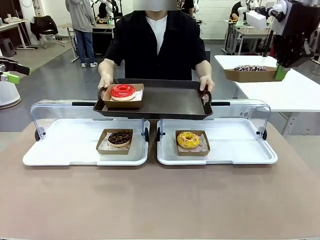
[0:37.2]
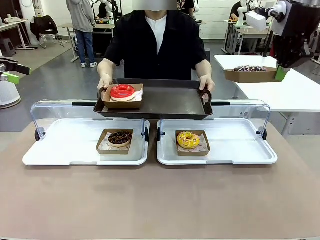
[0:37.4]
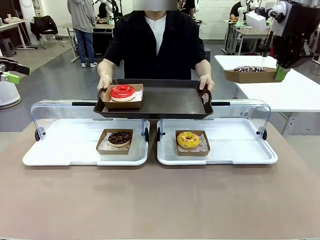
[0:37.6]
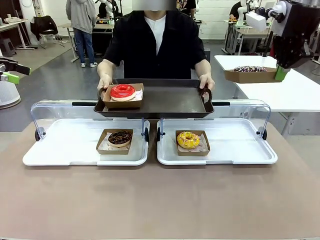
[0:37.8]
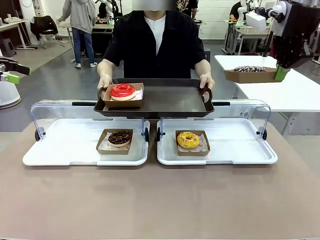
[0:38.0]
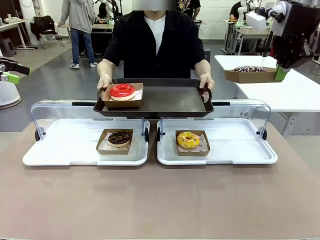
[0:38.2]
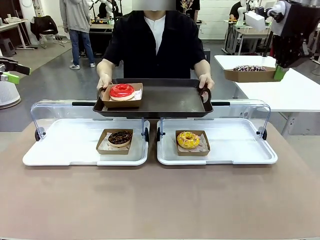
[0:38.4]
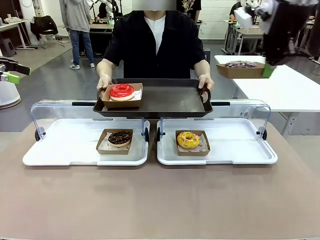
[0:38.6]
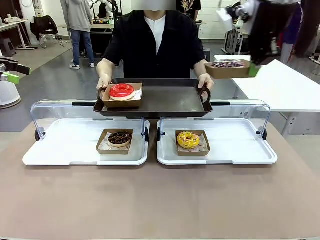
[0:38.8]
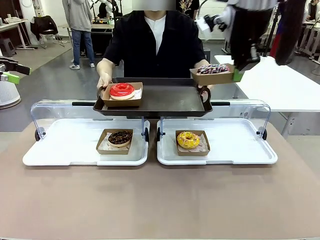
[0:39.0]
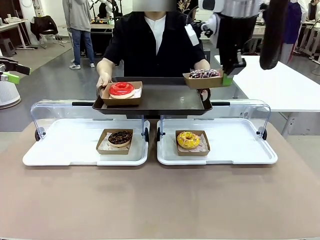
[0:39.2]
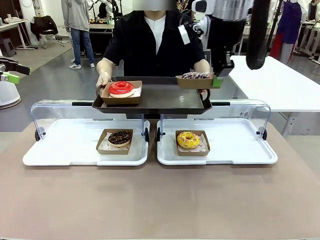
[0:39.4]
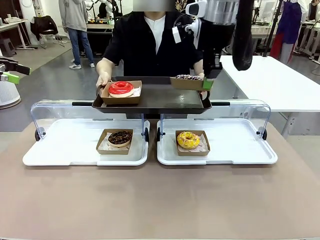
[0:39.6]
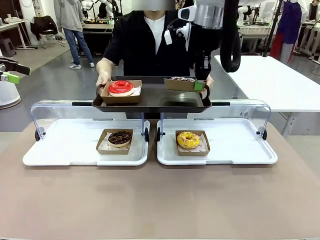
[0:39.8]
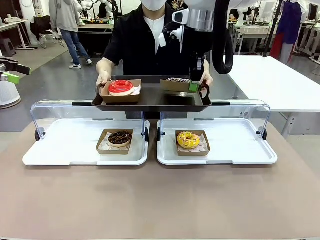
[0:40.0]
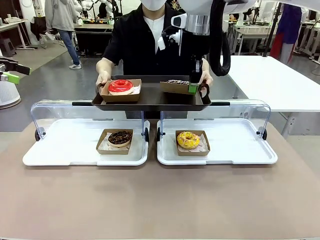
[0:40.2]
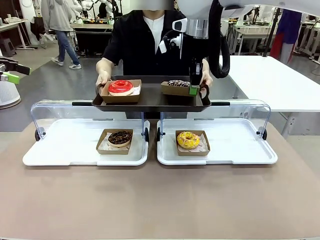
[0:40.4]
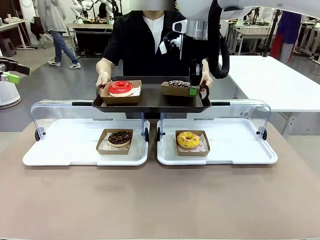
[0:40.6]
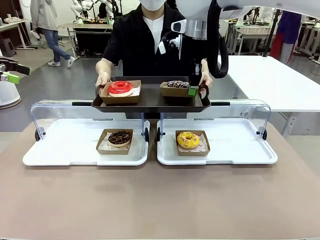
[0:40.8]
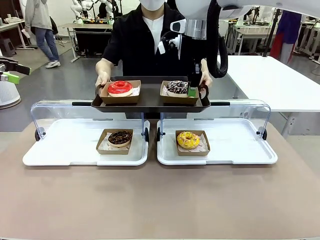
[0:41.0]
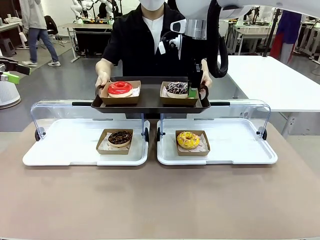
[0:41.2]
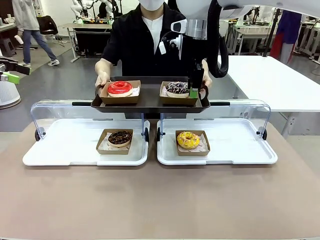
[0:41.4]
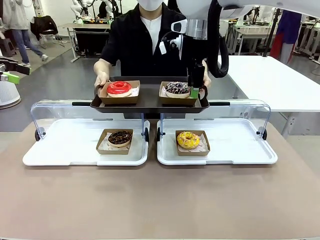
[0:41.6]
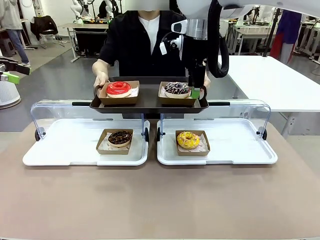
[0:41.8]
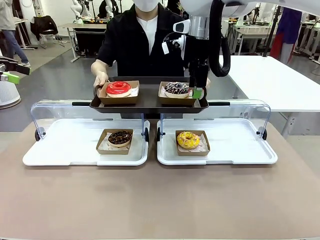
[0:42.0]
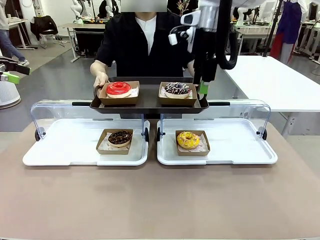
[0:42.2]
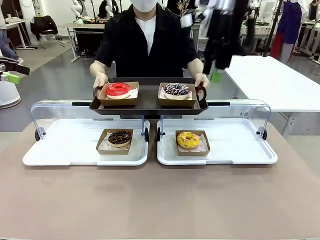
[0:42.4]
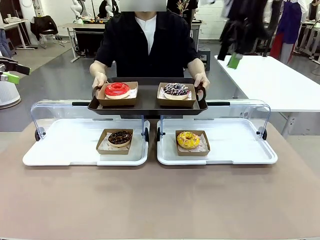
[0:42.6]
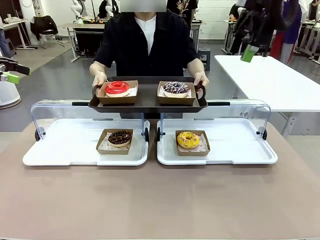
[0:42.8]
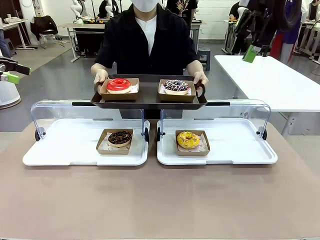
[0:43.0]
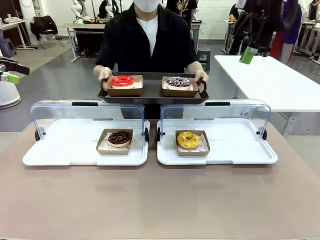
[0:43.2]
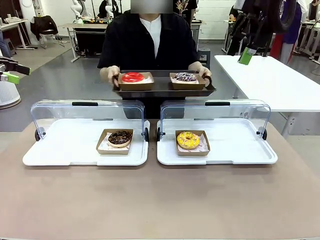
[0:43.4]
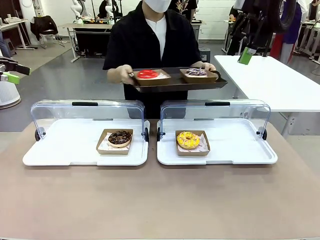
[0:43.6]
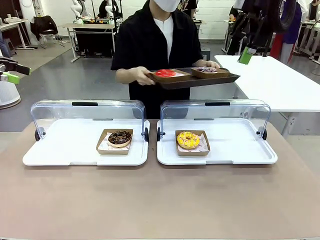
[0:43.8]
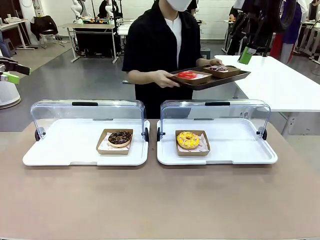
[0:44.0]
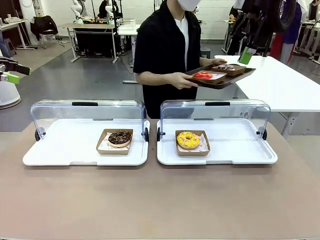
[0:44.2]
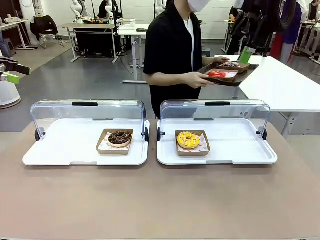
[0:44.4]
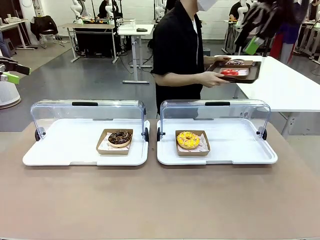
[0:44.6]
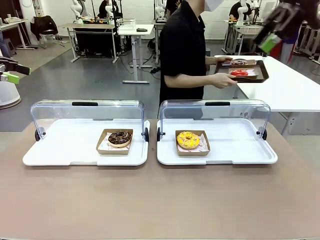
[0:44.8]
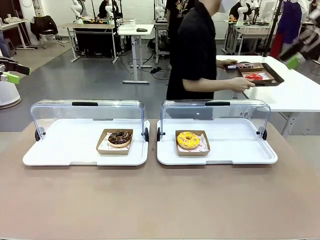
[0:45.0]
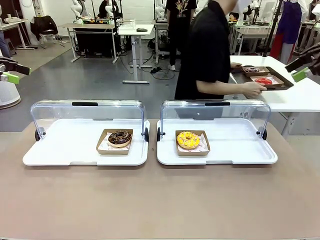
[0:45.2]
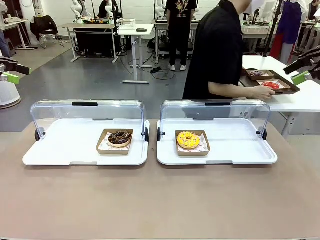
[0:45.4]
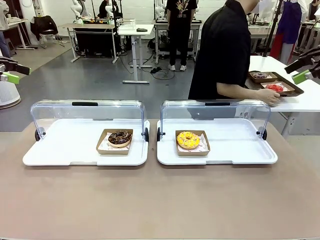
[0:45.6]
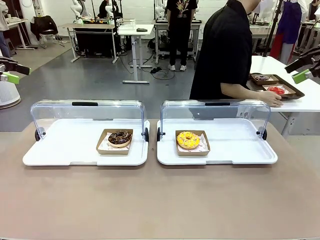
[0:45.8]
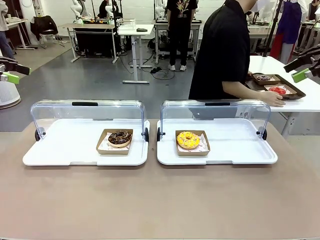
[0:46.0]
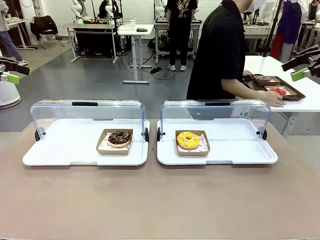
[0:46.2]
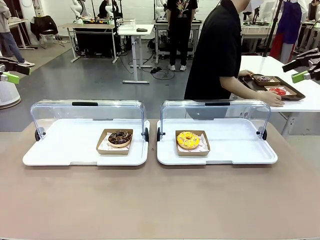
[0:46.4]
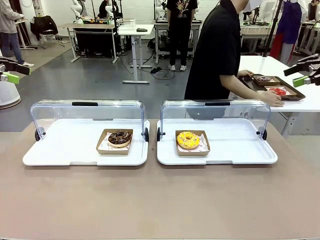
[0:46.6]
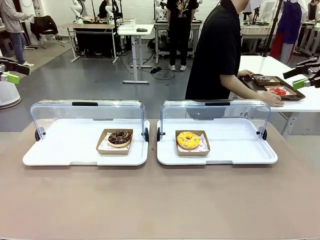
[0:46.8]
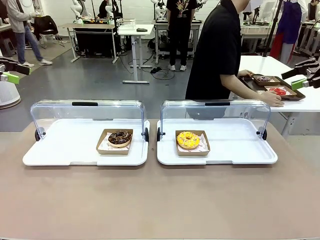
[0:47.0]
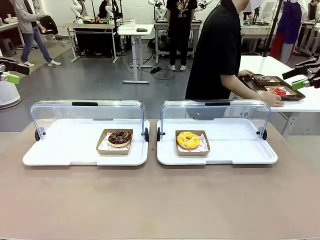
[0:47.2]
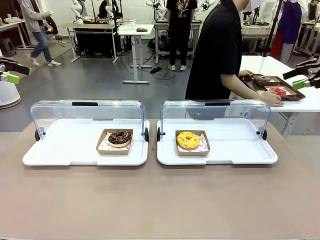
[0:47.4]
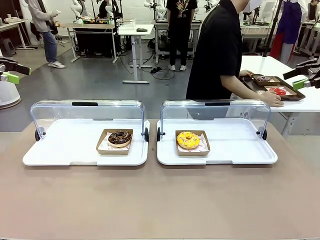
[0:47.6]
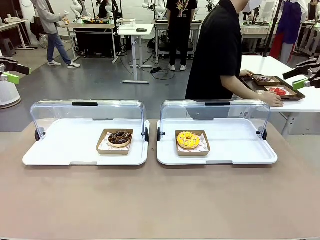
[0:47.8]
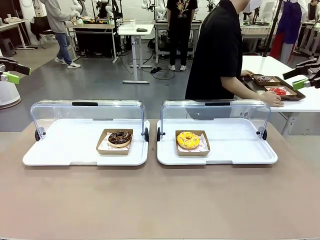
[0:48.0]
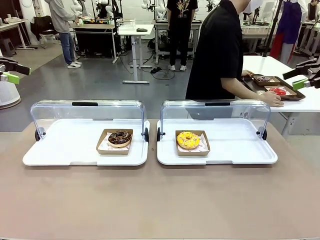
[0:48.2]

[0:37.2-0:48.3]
Task: Provide the desired donut to the person.
Robot: Place the picked Paper togo box onto the Handle tray extended by the person.
Person: Place the tray in the middle of the human table.

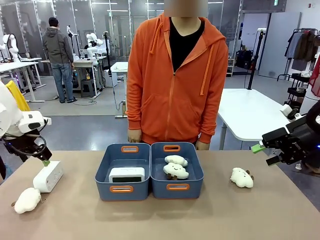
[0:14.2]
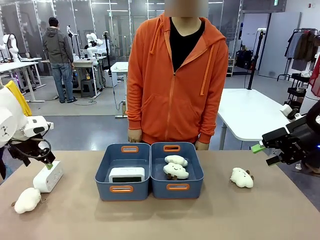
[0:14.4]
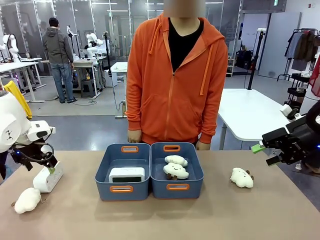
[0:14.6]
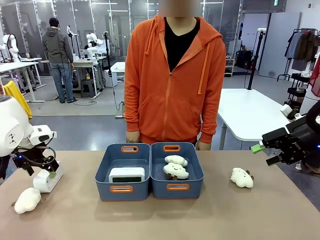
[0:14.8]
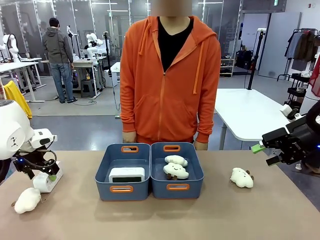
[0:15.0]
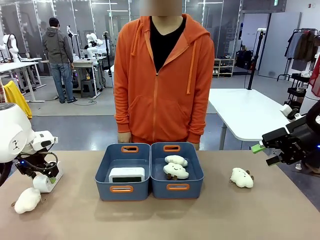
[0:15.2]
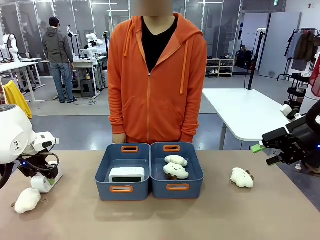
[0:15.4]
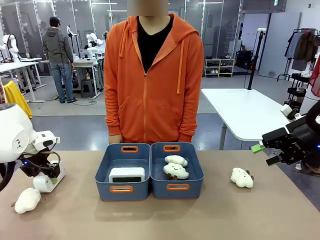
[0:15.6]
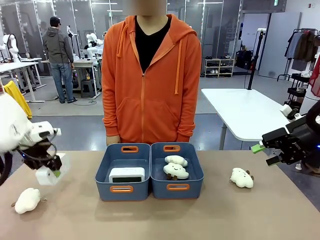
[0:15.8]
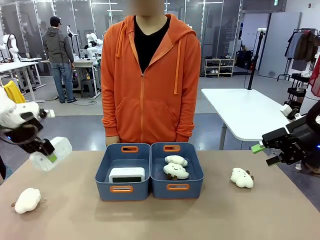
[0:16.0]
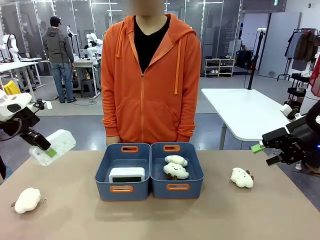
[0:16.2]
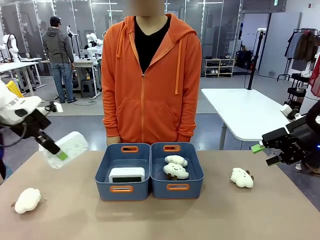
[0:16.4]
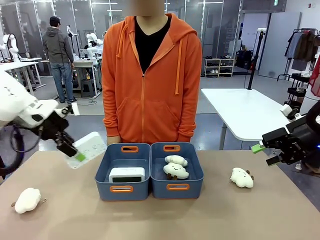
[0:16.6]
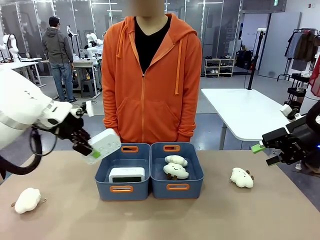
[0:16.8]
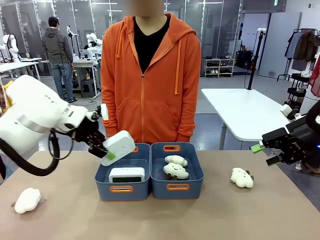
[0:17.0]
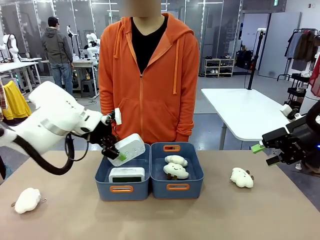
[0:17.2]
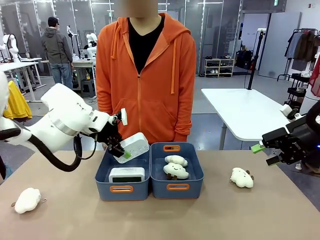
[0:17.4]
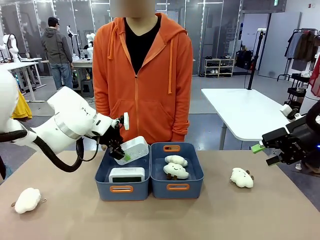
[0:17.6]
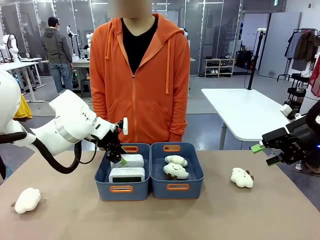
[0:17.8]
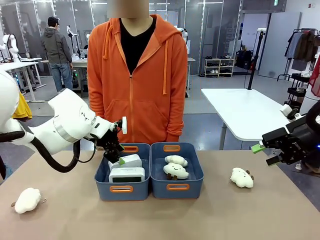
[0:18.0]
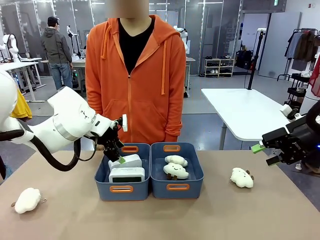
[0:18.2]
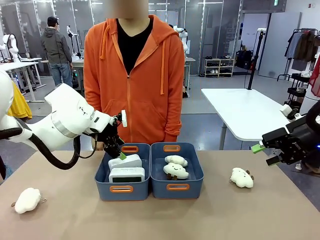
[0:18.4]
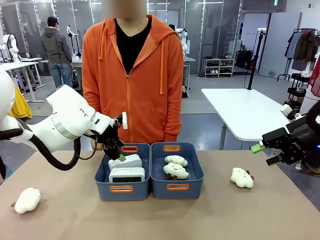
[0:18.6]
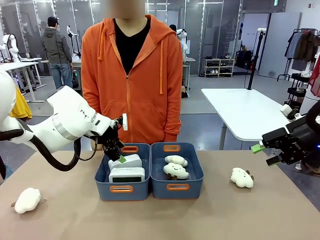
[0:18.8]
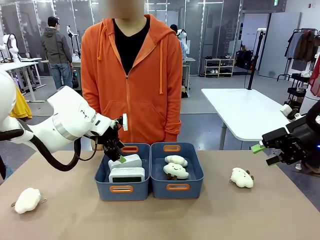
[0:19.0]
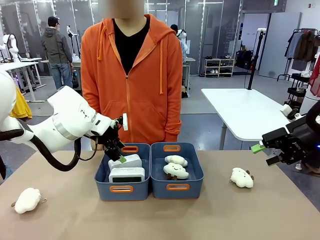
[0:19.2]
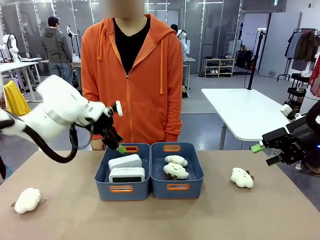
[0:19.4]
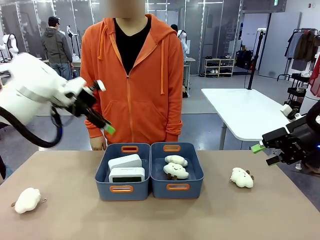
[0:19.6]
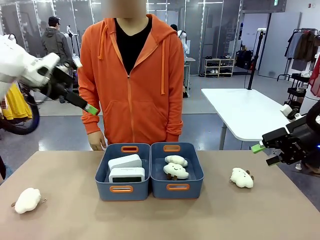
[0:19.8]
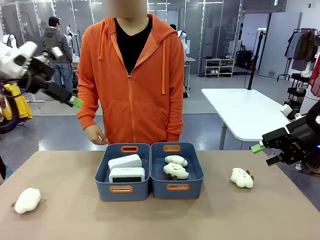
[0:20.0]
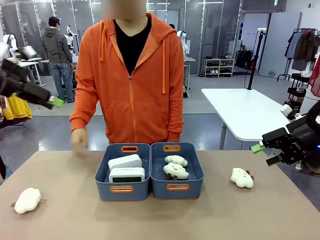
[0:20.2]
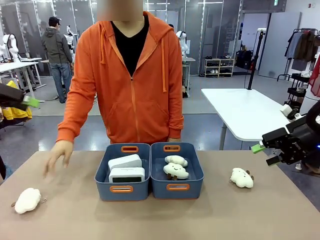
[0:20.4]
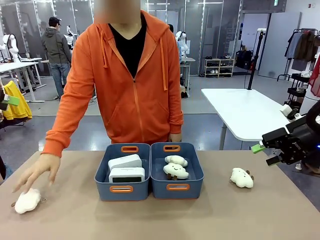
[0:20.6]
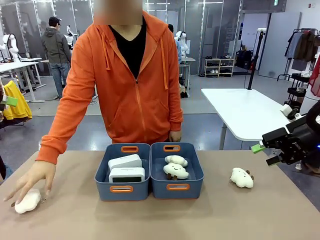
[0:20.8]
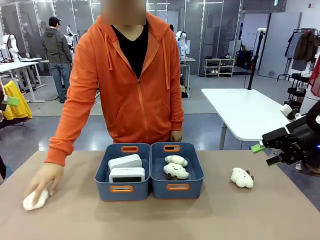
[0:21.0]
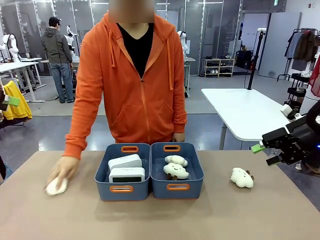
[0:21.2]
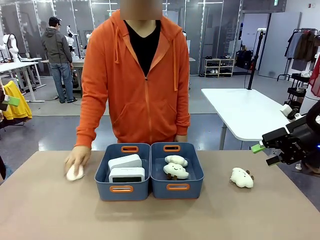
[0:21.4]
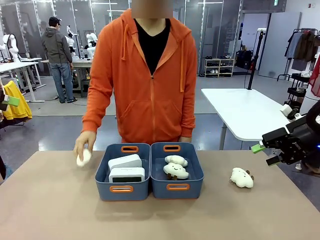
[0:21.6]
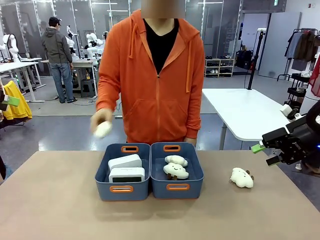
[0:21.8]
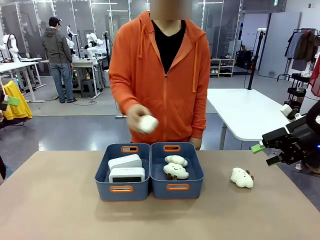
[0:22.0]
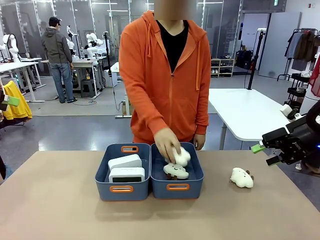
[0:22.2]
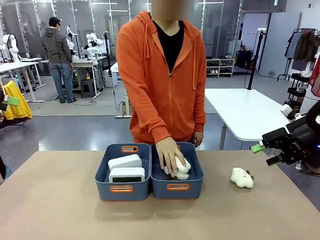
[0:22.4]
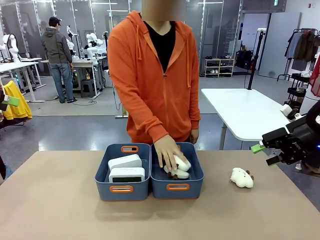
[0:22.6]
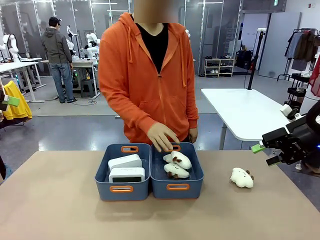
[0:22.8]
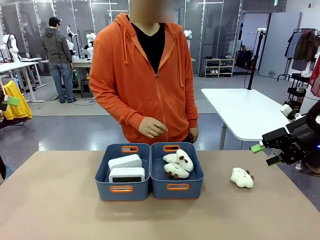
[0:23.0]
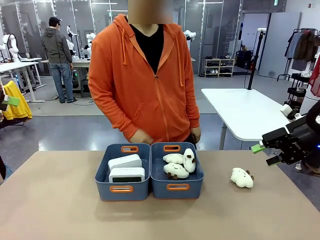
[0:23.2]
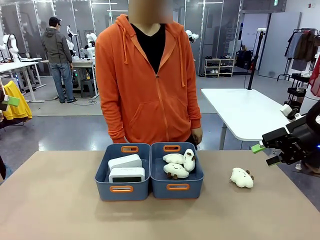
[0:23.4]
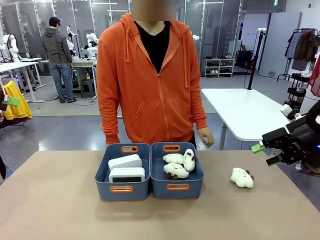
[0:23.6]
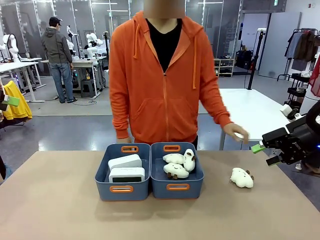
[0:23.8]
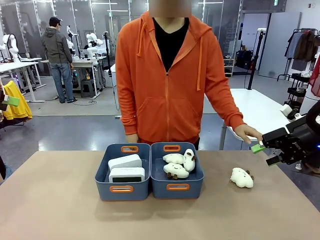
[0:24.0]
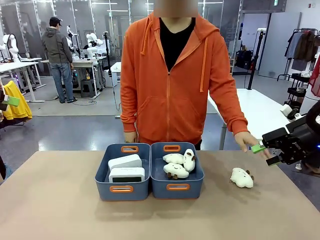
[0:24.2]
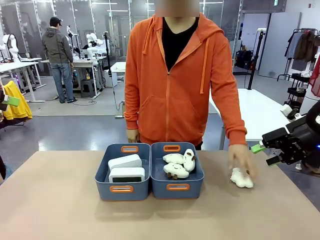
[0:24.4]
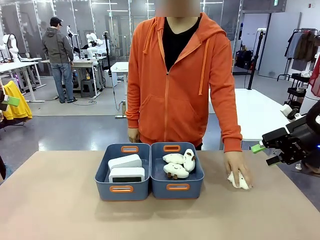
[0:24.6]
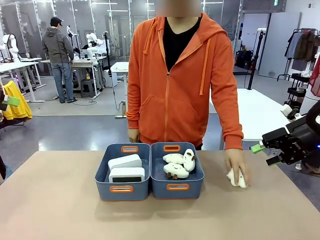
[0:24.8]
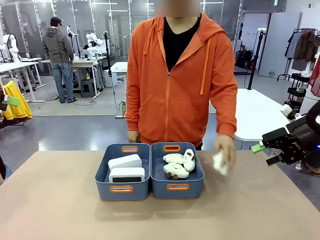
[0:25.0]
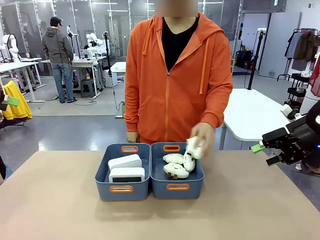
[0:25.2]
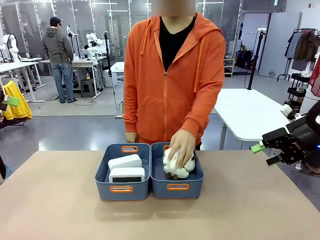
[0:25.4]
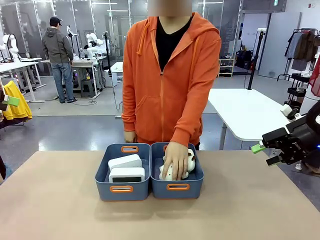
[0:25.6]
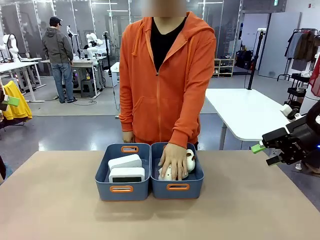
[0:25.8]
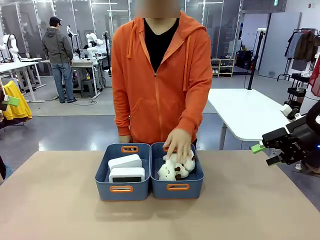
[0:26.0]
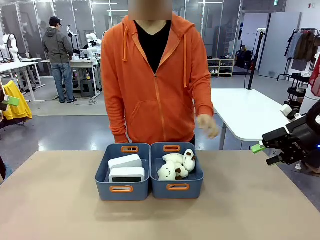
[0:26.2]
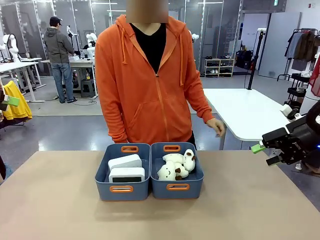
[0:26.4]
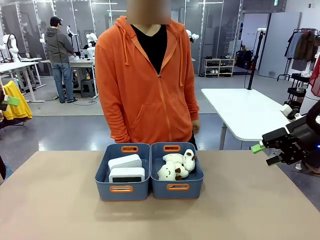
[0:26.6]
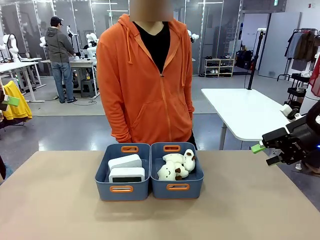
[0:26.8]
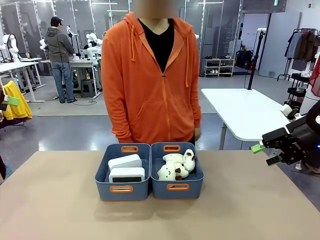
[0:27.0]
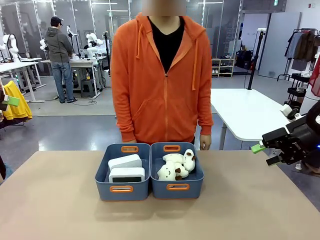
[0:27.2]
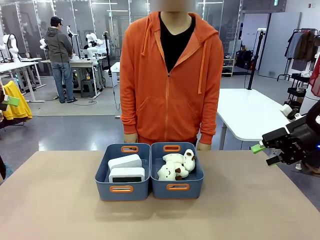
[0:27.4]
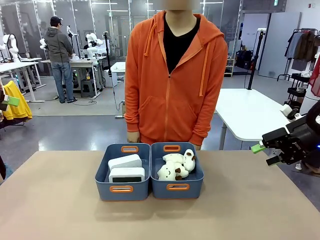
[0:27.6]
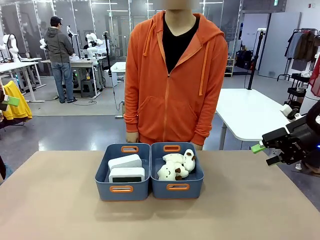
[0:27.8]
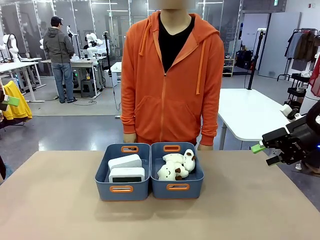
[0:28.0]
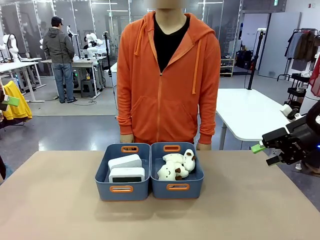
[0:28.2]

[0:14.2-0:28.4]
Task: Sort the digital clocks into the basket.
Robot: Pick up the Digital clock from the table and place it into the empty Plastic storage basket.
Person: Pick up a plush toy from the table and place it in the plastic storage basket containing the plush toy.
